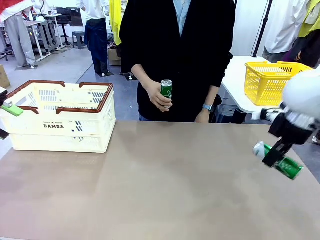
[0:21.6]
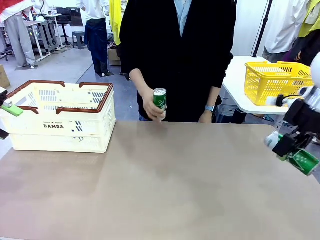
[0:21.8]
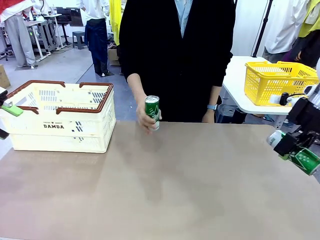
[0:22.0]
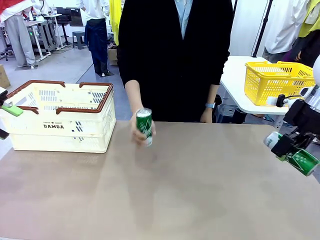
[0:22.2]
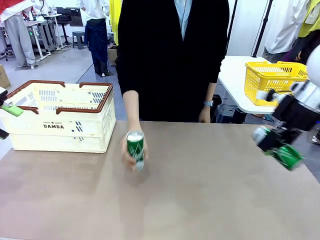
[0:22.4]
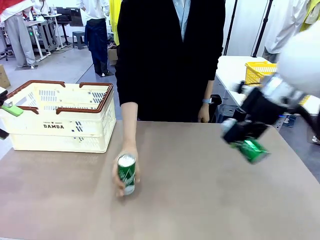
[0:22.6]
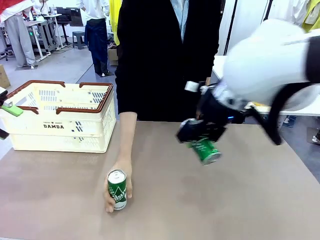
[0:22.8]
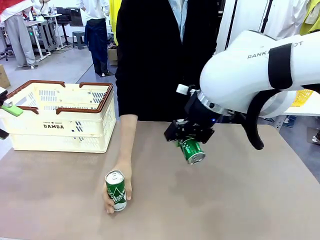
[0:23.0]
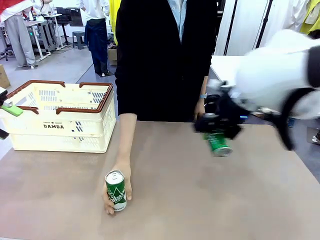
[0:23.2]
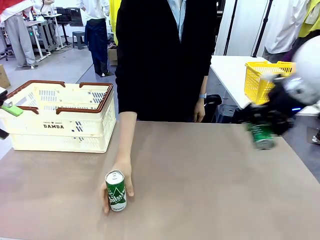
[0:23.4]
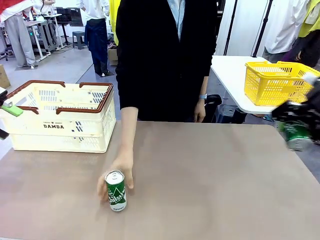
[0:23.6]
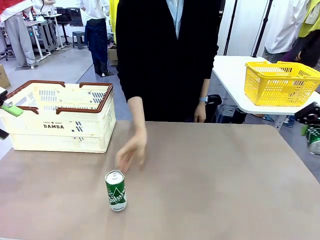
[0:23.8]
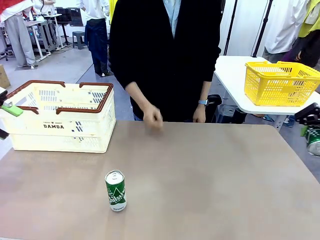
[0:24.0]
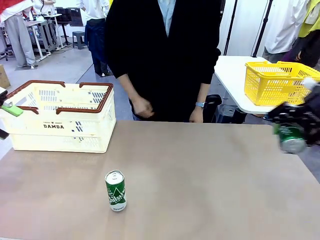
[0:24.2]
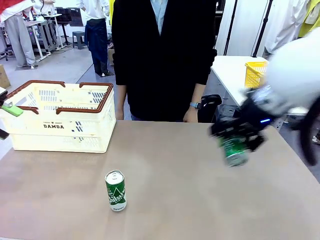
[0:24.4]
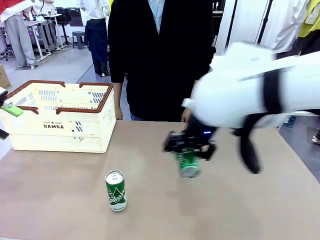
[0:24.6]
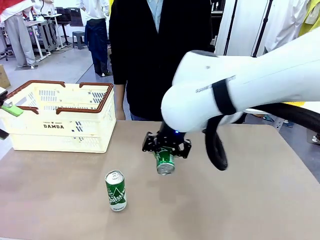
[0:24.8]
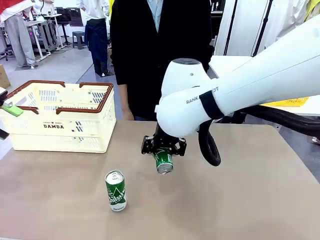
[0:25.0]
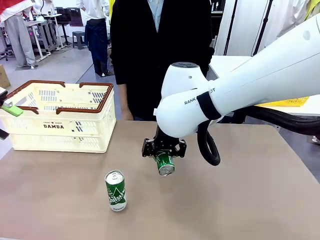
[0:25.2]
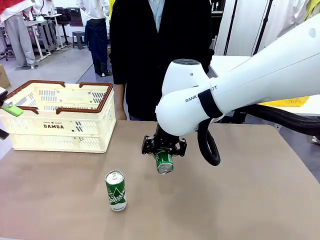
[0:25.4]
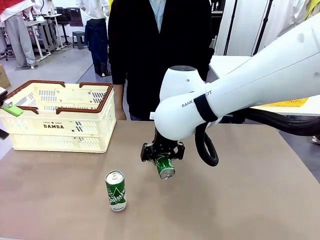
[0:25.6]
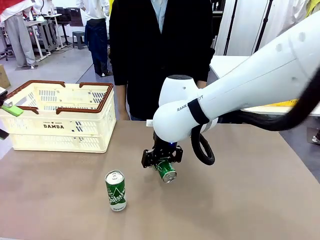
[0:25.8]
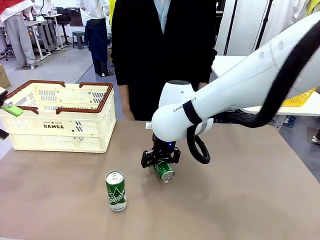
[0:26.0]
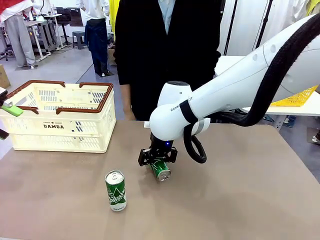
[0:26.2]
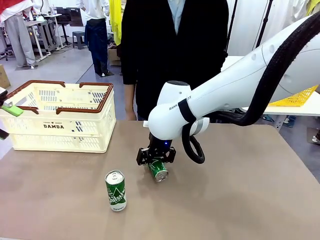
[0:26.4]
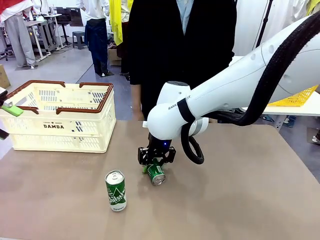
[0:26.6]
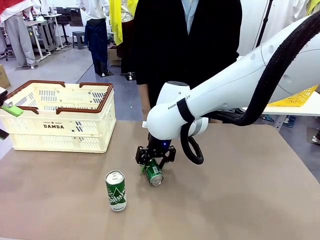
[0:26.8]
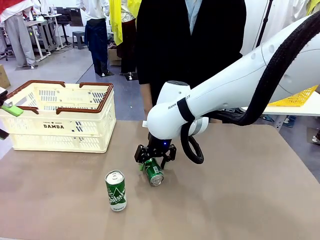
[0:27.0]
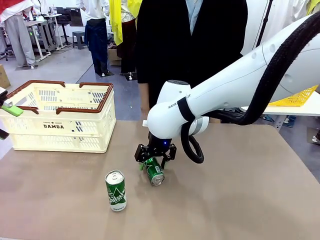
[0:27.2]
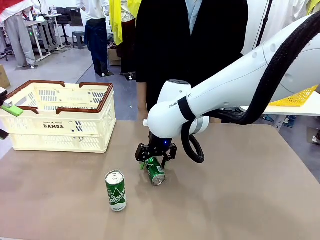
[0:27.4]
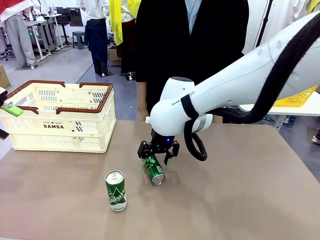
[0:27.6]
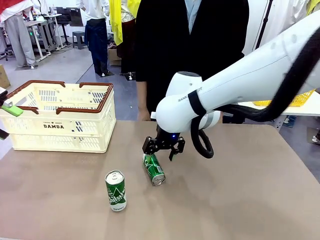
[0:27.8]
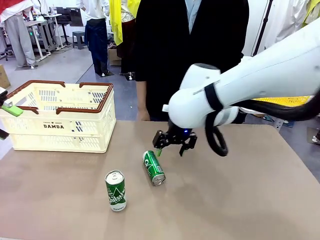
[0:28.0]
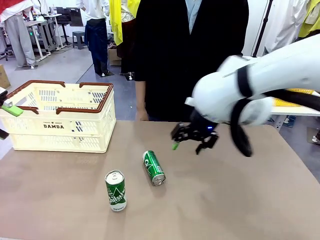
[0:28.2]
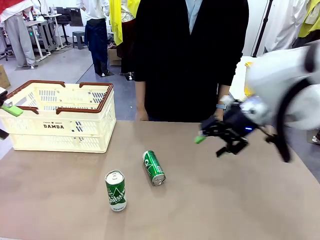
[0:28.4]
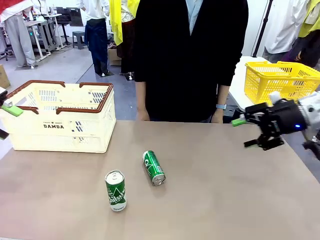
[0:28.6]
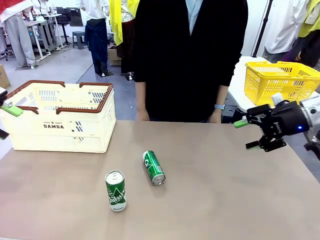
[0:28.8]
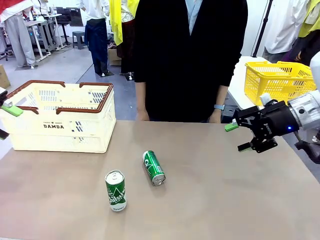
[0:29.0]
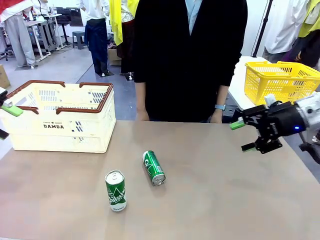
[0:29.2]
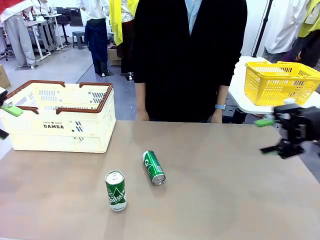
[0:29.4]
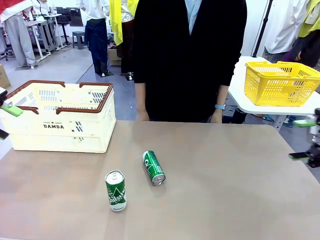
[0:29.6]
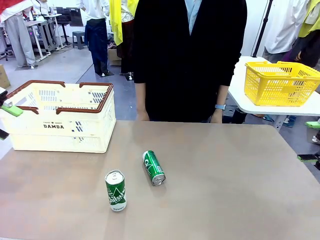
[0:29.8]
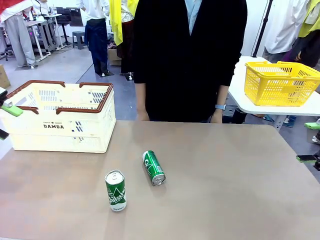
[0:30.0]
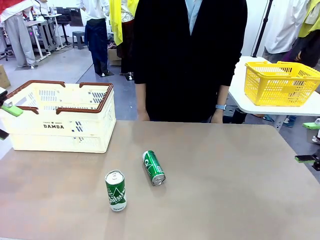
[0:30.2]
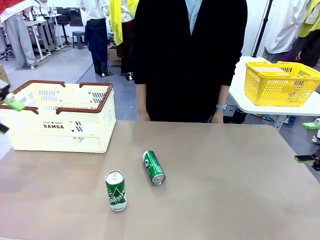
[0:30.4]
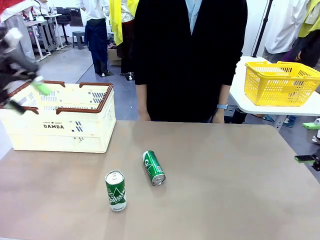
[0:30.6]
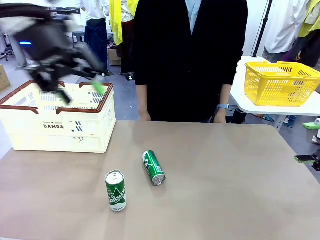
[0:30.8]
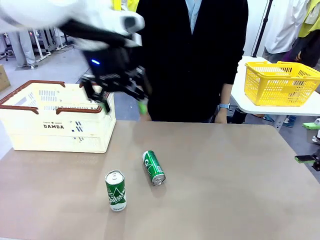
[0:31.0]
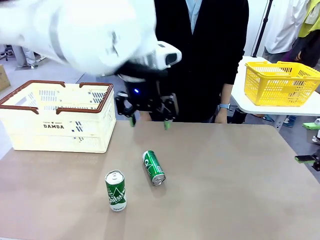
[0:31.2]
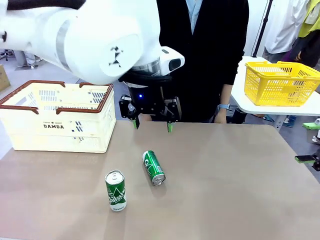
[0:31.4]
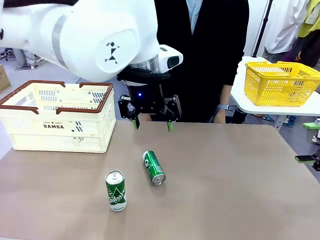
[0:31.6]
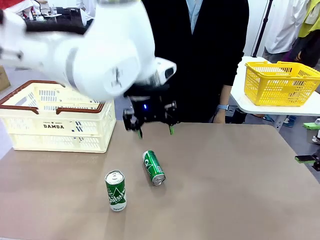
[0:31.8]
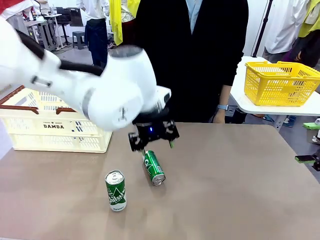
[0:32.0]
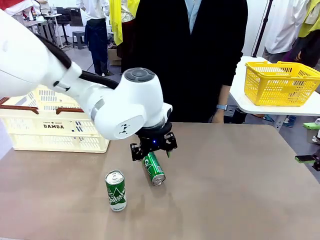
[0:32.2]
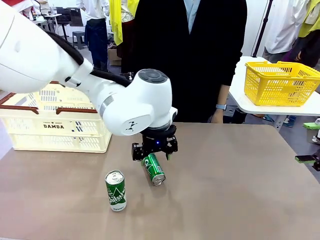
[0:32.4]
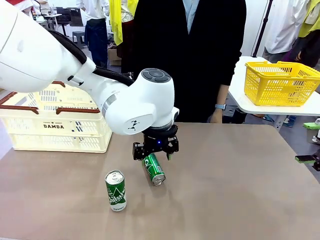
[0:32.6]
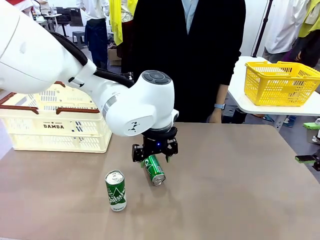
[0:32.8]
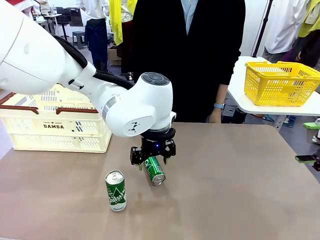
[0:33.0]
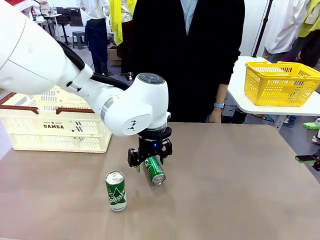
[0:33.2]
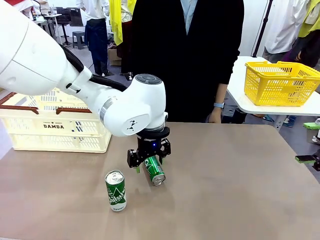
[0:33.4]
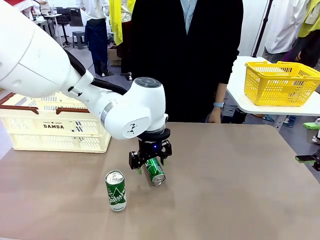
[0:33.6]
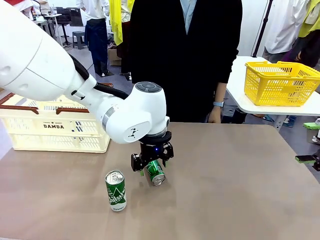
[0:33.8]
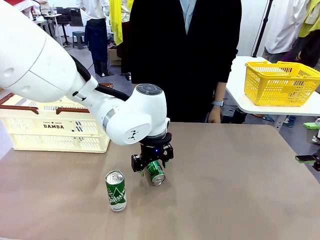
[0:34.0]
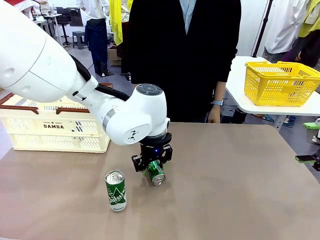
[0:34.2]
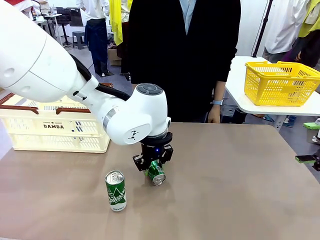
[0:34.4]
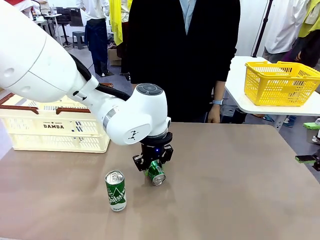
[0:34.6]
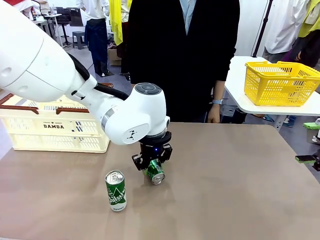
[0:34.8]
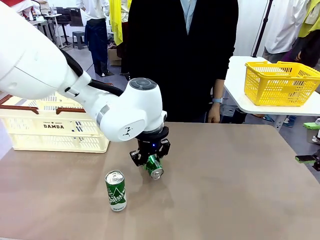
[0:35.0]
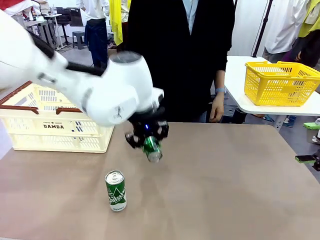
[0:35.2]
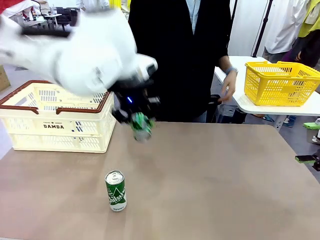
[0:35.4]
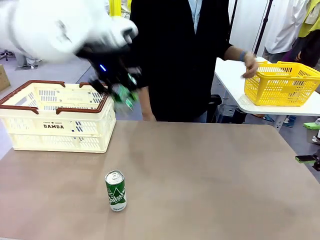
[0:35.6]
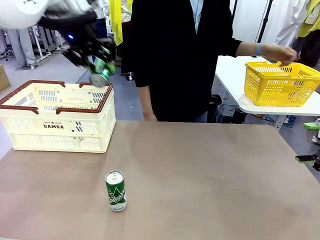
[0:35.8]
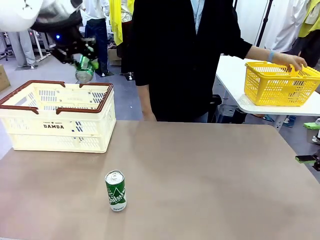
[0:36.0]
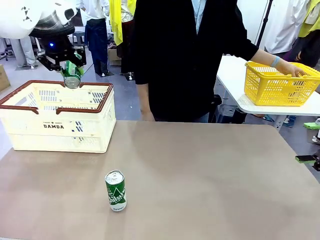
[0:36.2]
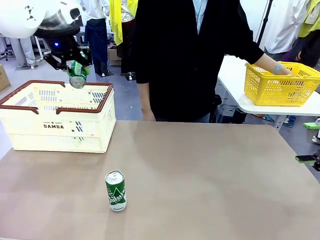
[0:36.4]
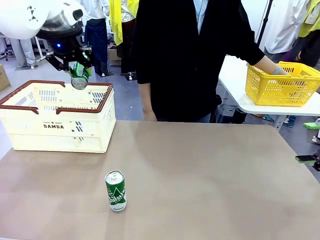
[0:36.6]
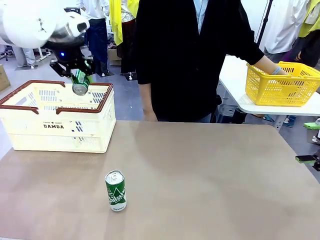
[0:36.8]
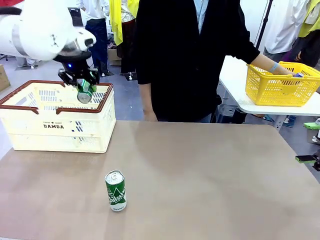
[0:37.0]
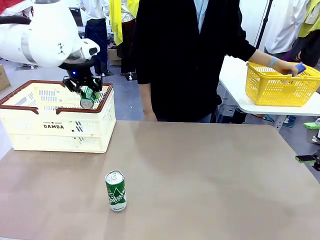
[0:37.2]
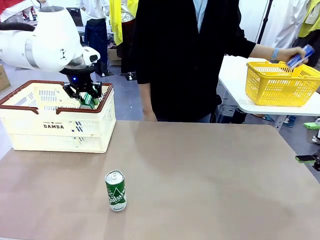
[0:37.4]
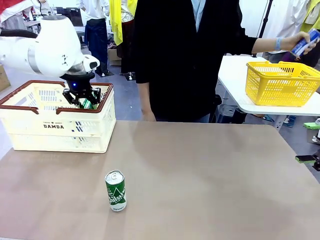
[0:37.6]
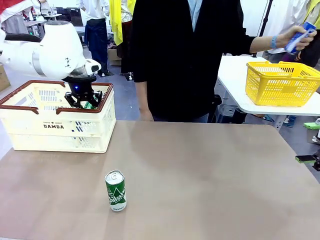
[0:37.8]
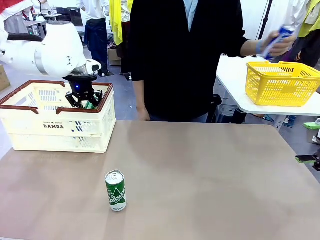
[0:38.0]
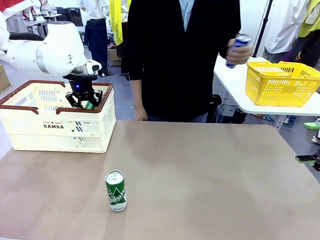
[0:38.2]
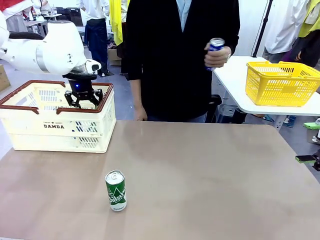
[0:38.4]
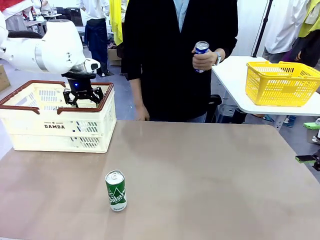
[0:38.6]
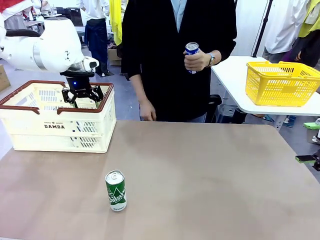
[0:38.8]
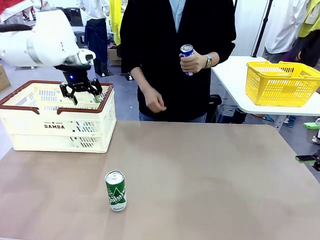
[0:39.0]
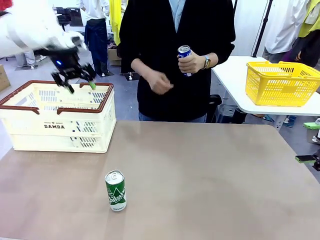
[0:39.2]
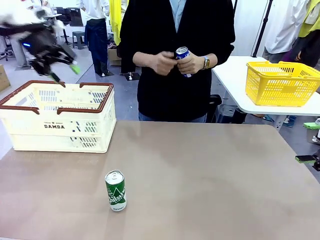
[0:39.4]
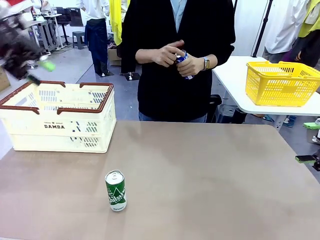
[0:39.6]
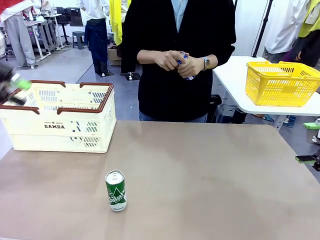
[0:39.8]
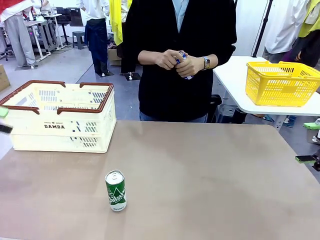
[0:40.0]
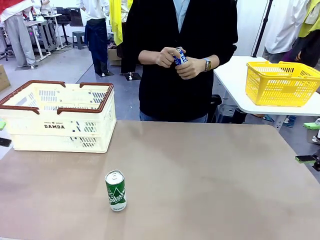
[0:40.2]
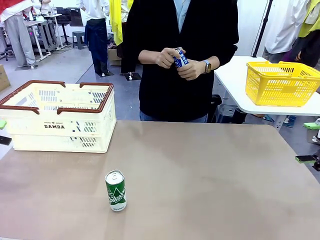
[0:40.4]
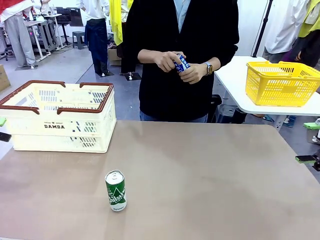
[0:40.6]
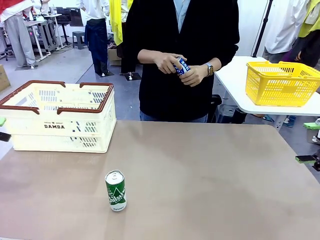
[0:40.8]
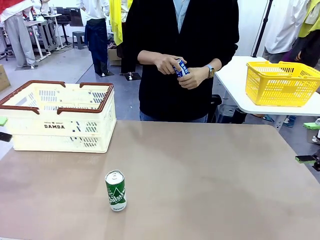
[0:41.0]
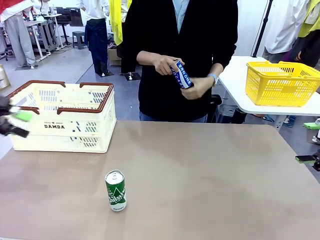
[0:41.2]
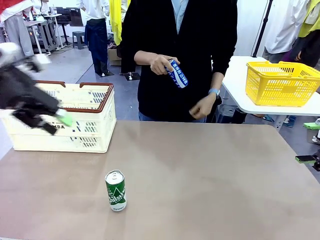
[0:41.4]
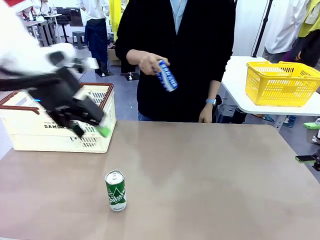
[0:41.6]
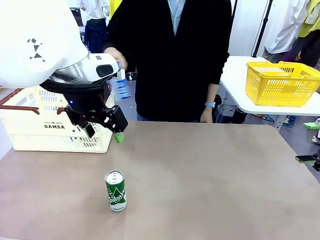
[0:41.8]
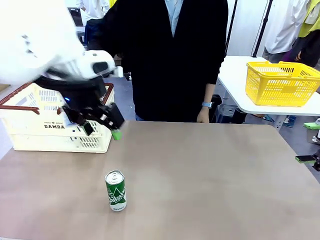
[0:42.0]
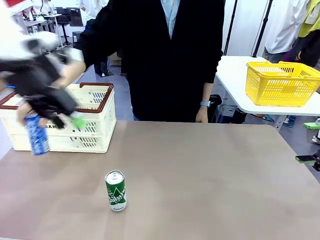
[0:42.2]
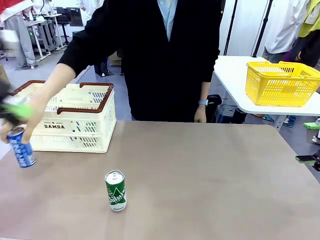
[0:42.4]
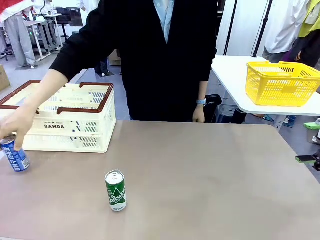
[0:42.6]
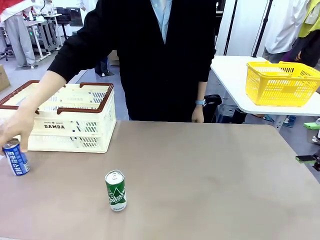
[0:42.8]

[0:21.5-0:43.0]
Task: Place the drinks into the Shopping basket.
Robot: Pick up one drink and place it into the Shopping basket.
